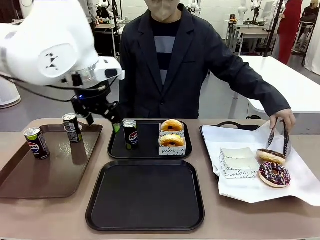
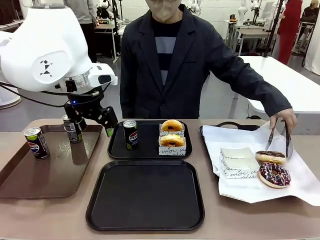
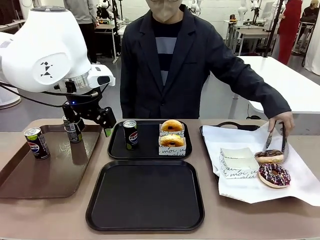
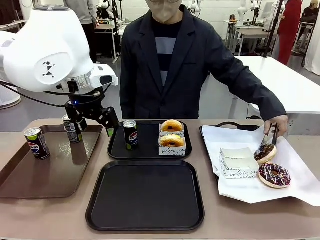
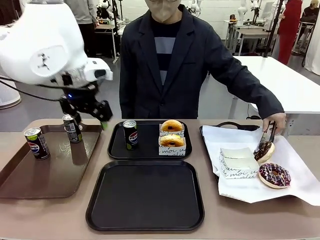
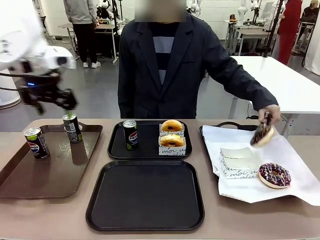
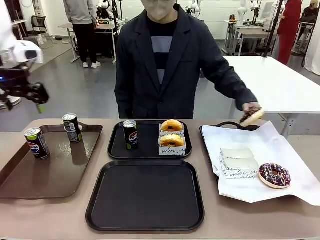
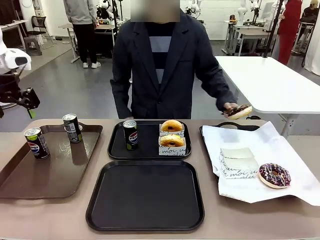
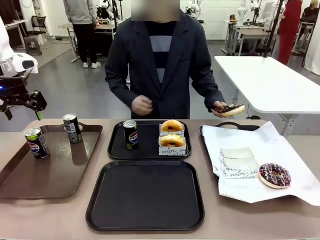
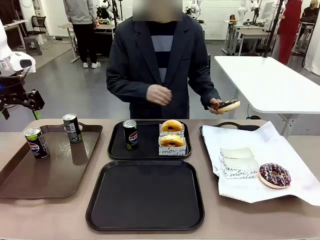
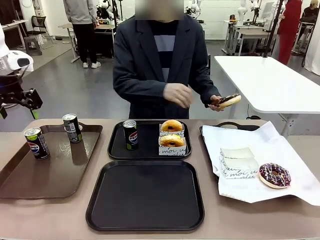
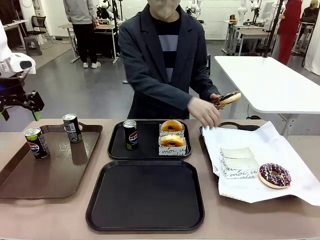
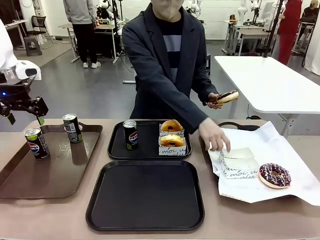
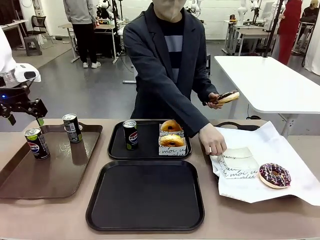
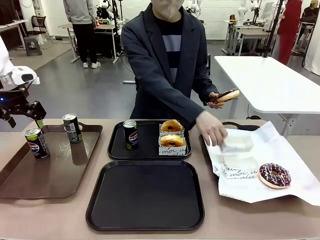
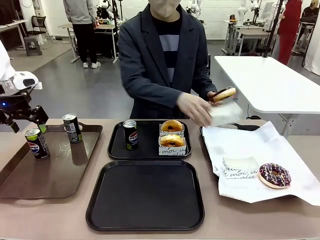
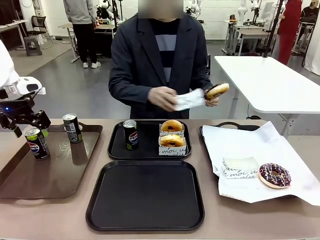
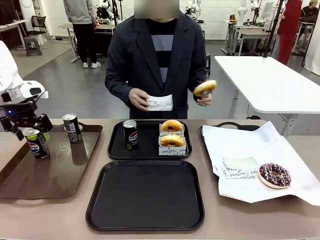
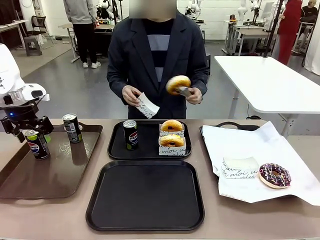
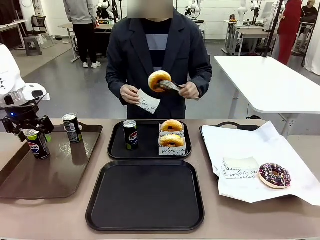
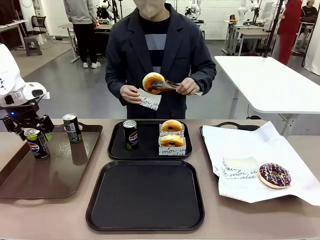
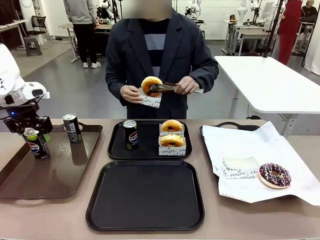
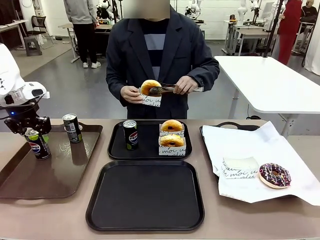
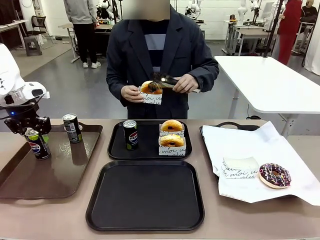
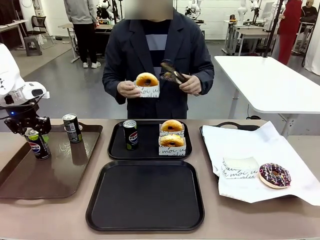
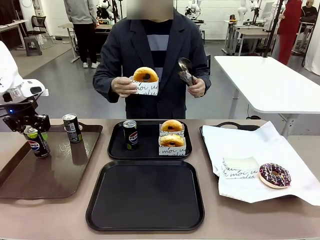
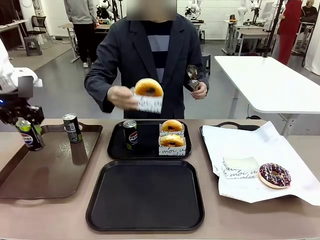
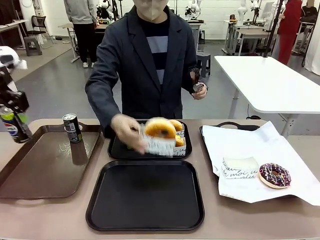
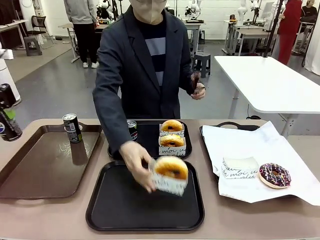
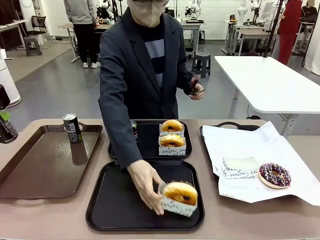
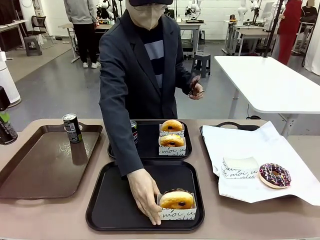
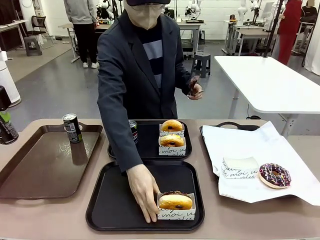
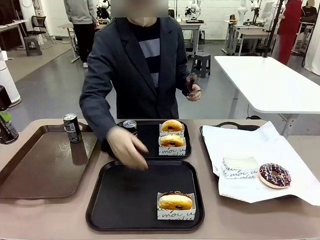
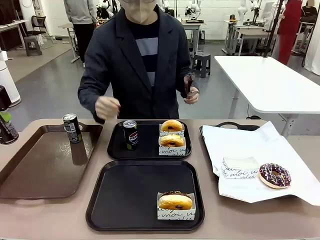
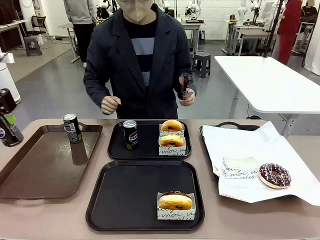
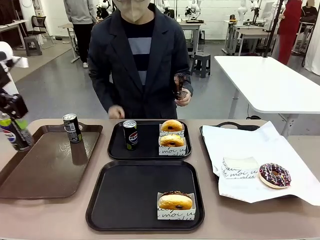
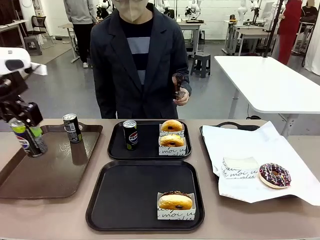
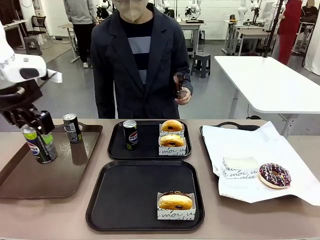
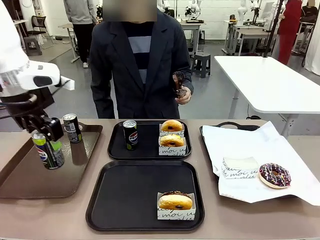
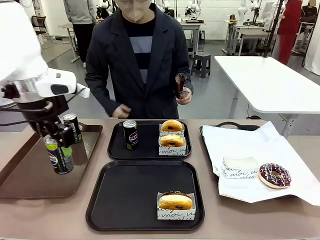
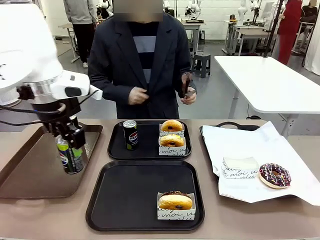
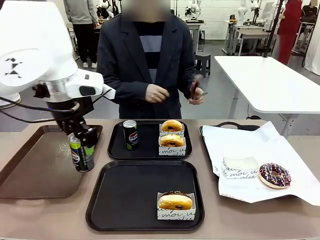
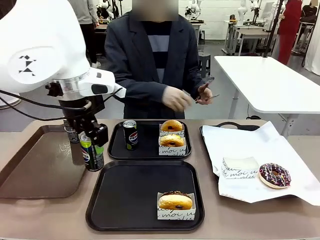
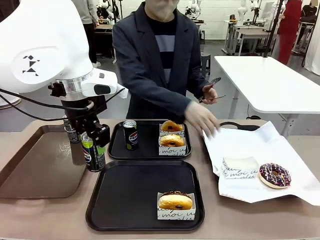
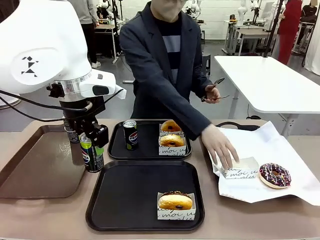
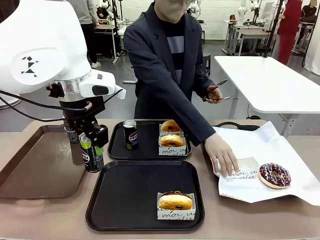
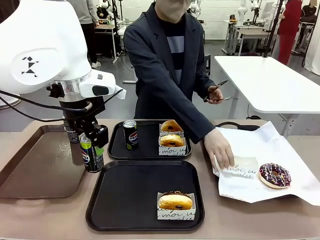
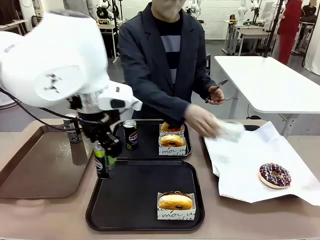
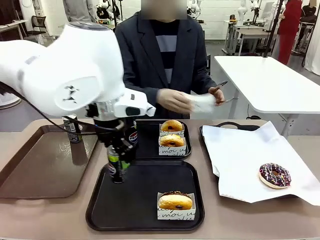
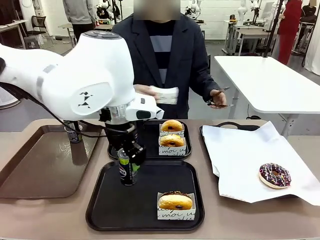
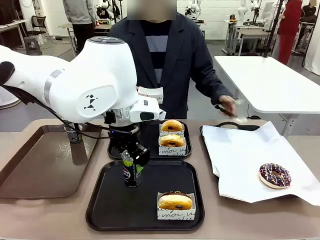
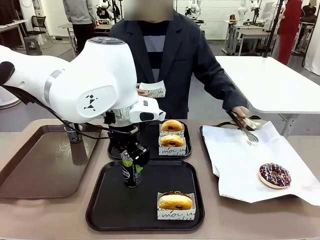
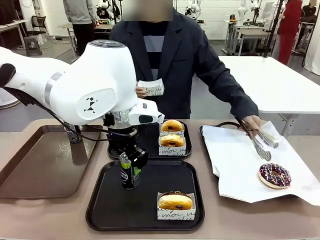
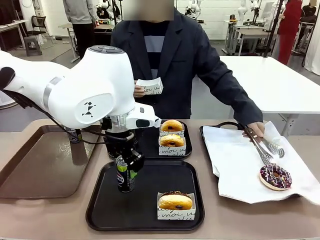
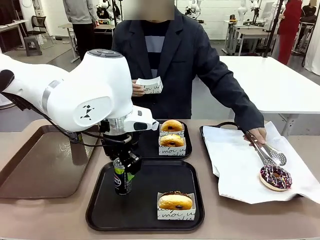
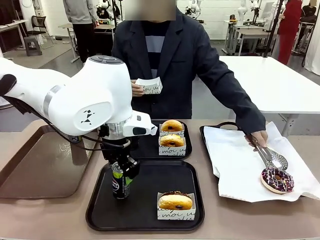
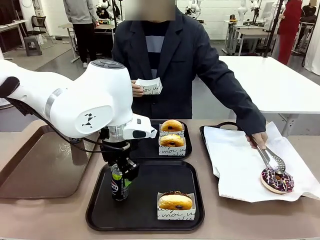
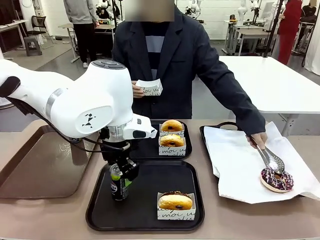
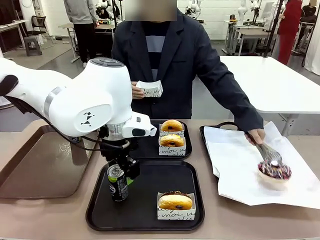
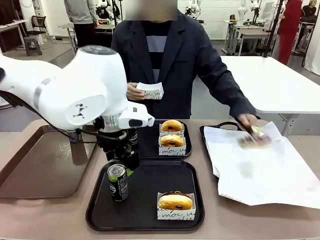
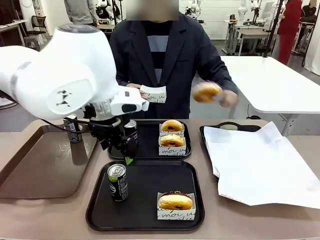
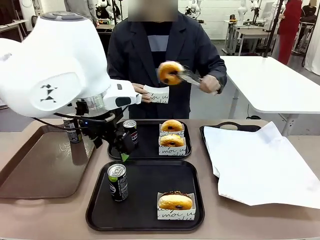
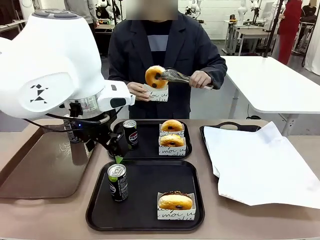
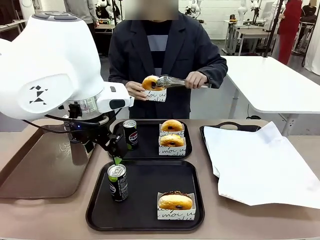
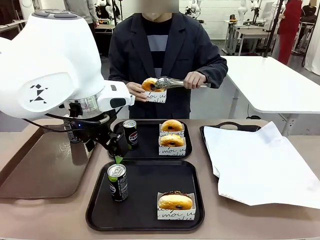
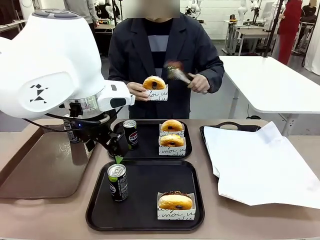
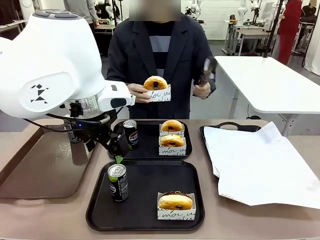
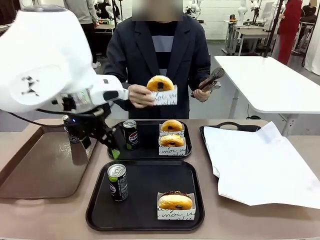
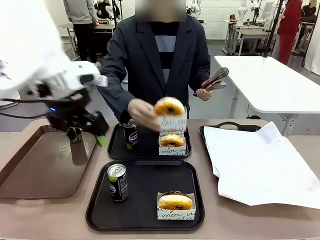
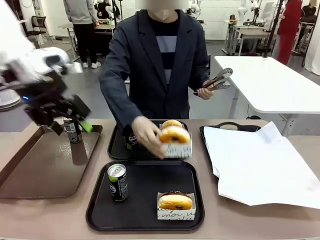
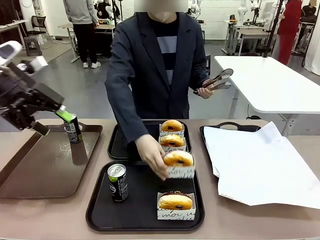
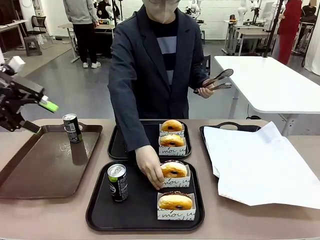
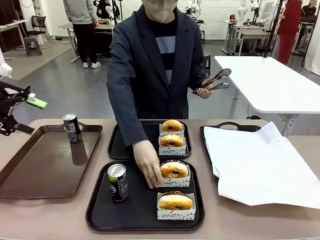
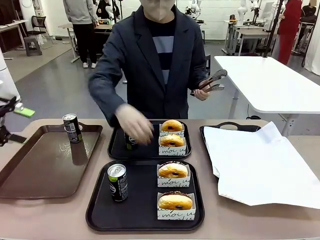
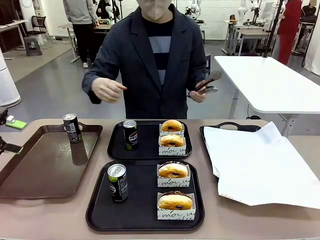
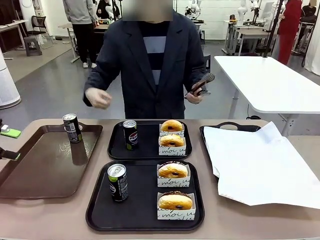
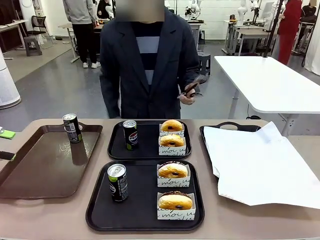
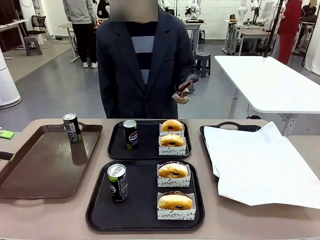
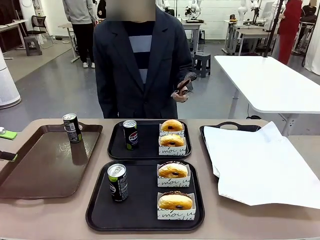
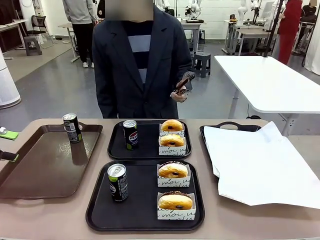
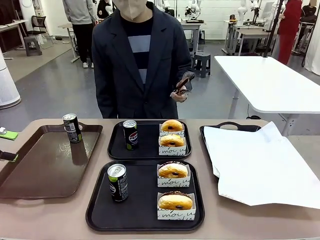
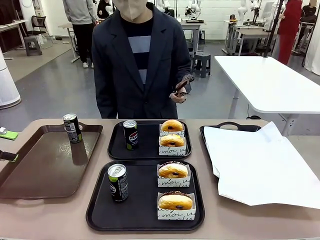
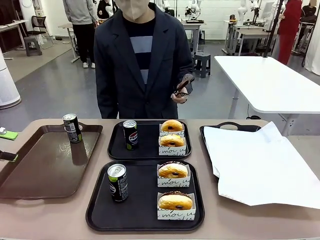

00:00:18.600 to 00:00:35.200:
Task: Set up donuts and drinks on trays.
Robot: Pick up one Pepsi coke from the Handle tray and place it on the Flat Tray without a Pepsi coke.
